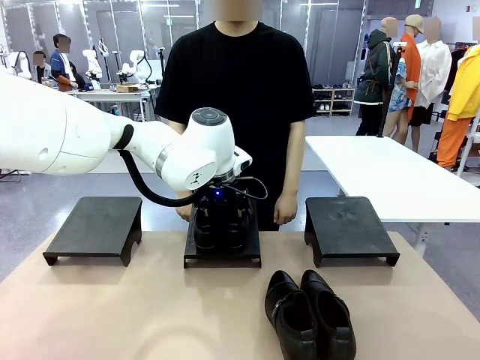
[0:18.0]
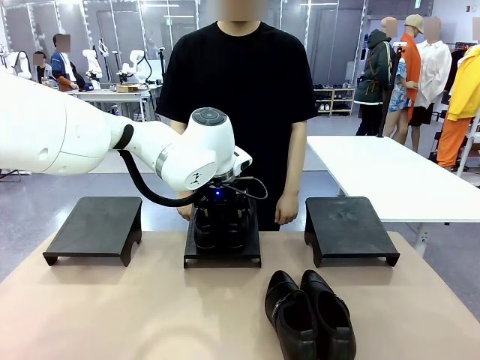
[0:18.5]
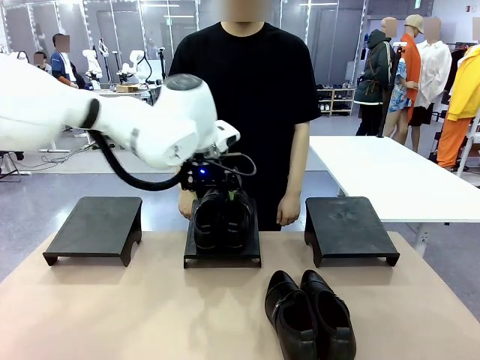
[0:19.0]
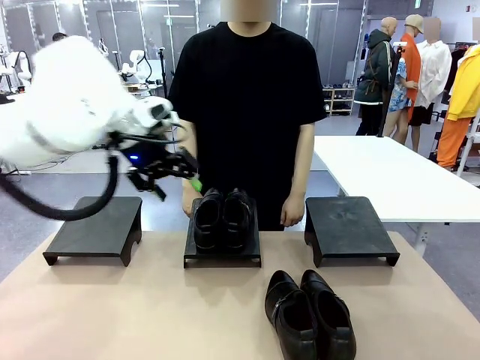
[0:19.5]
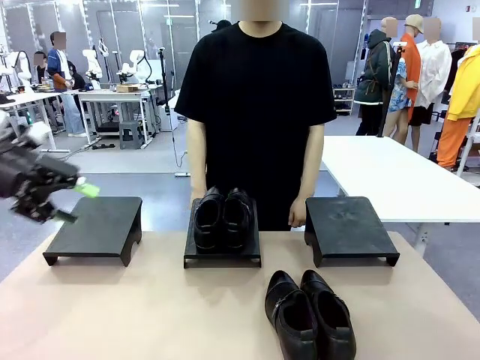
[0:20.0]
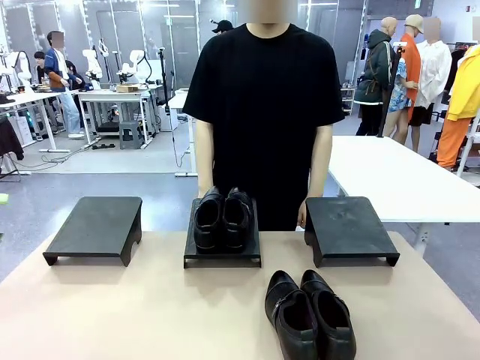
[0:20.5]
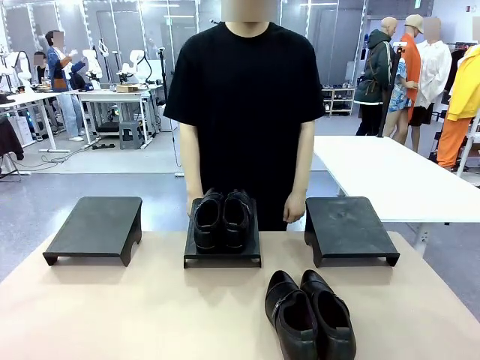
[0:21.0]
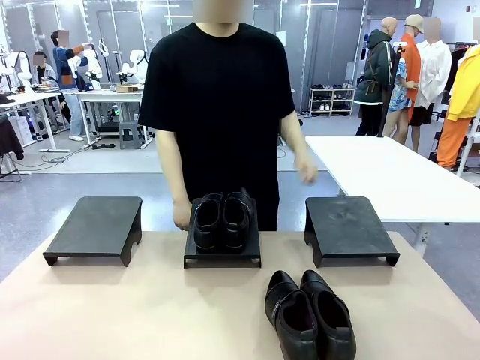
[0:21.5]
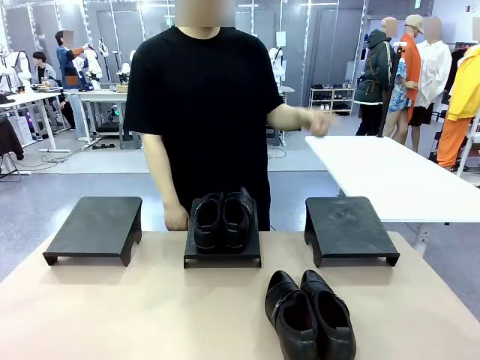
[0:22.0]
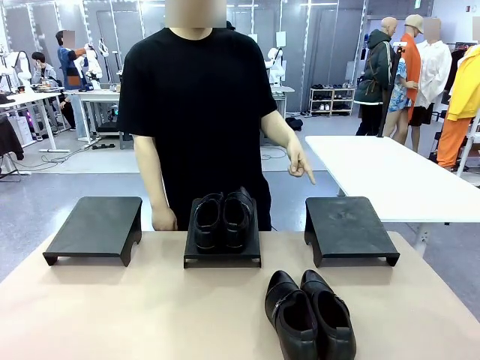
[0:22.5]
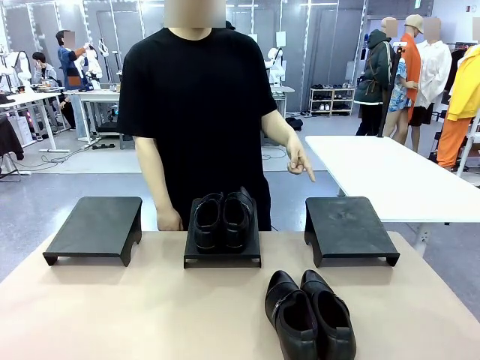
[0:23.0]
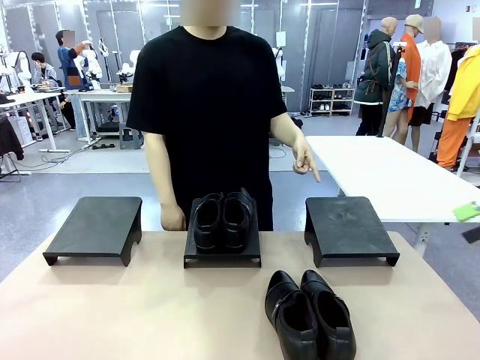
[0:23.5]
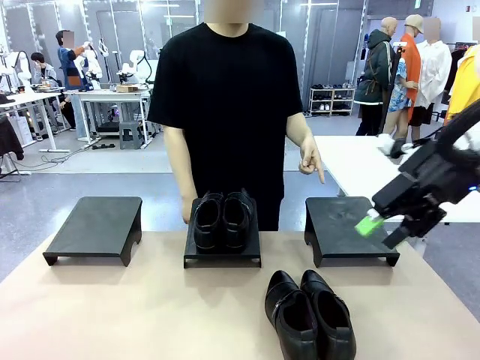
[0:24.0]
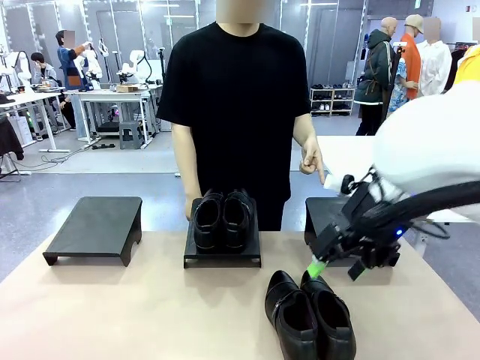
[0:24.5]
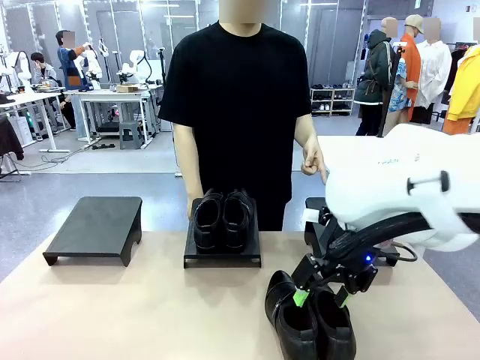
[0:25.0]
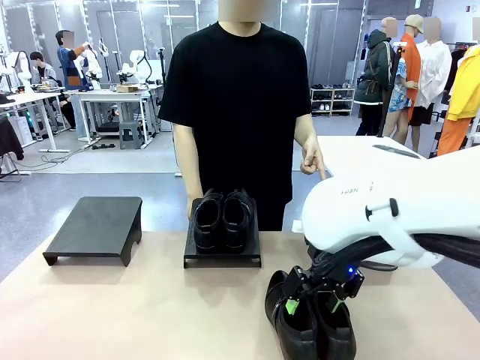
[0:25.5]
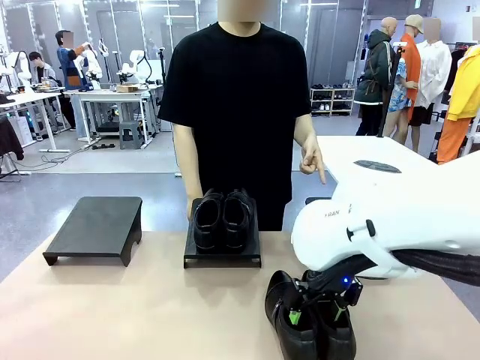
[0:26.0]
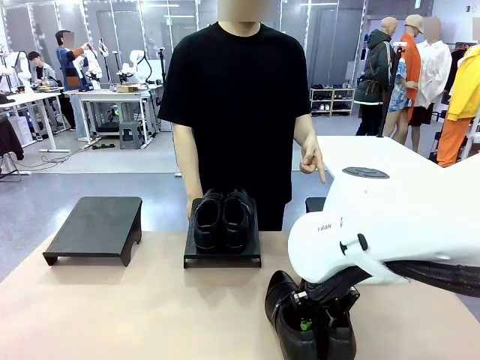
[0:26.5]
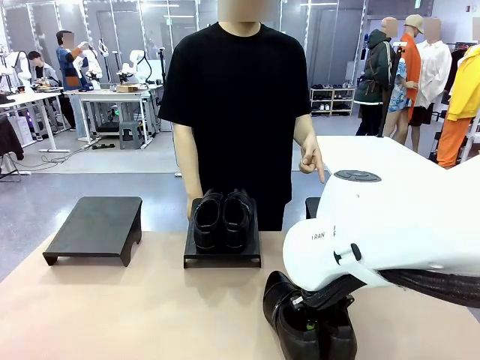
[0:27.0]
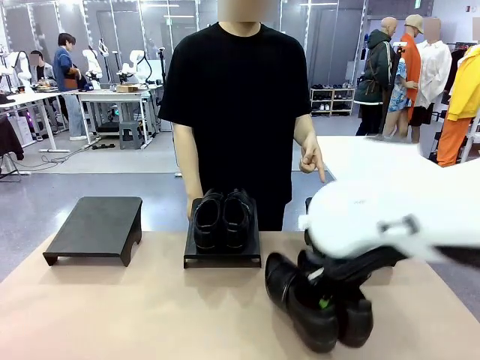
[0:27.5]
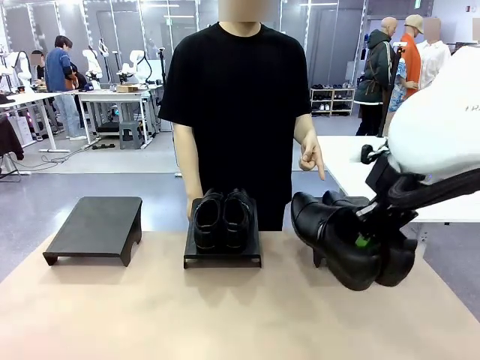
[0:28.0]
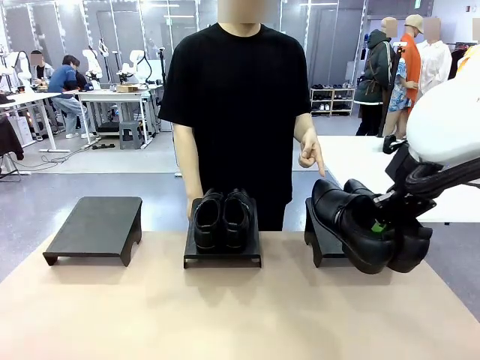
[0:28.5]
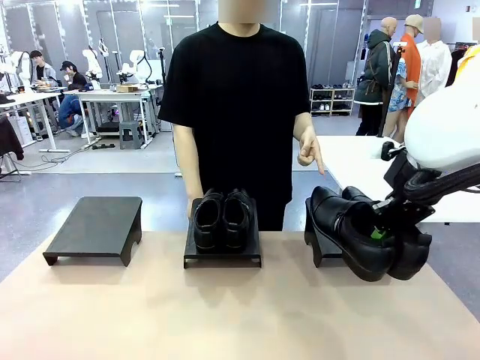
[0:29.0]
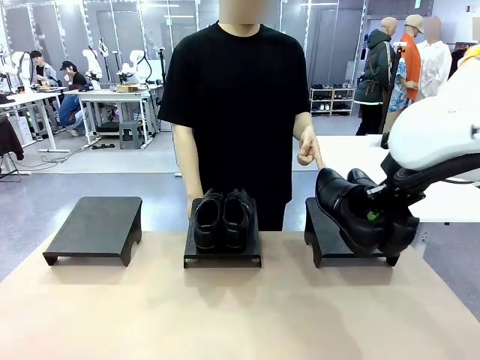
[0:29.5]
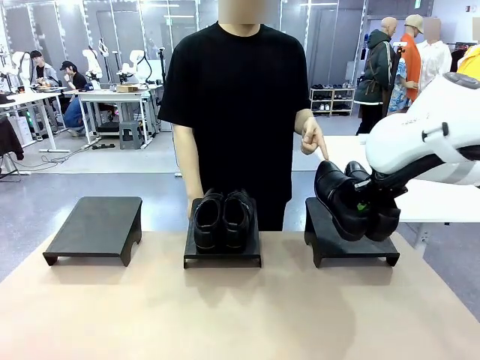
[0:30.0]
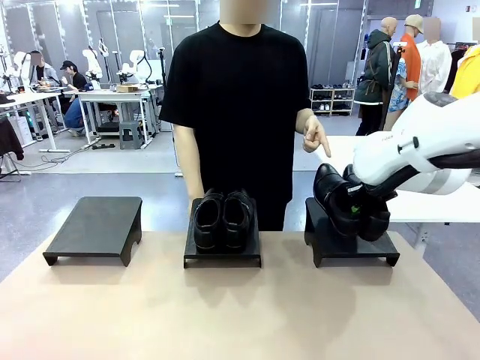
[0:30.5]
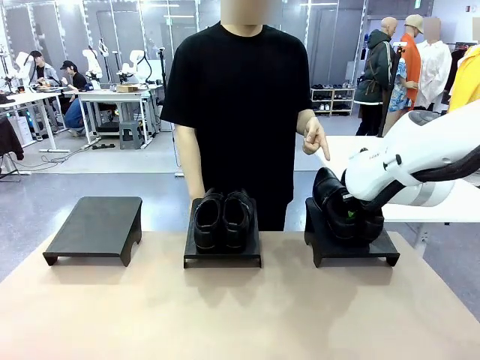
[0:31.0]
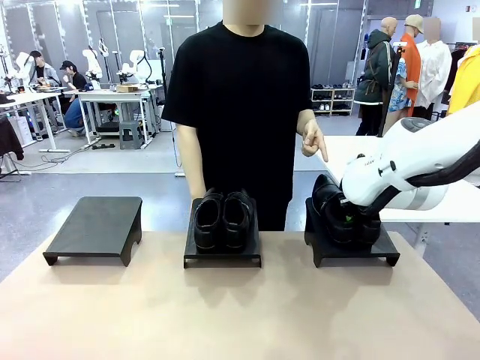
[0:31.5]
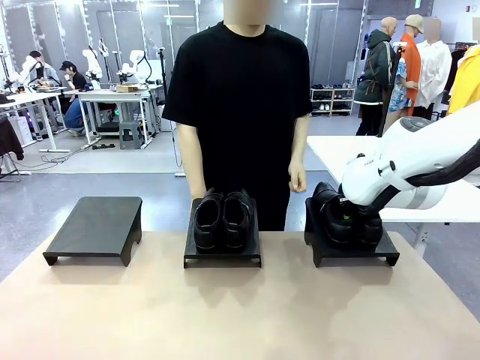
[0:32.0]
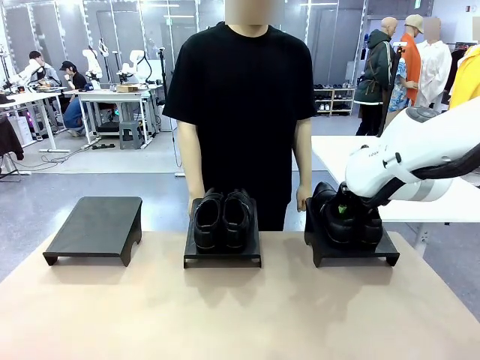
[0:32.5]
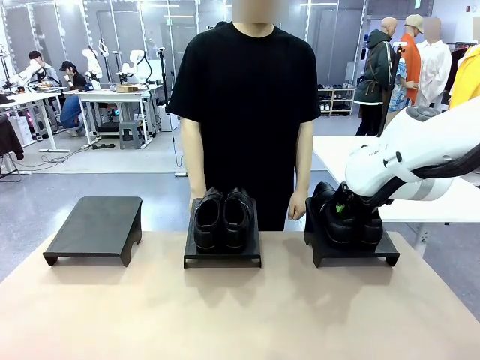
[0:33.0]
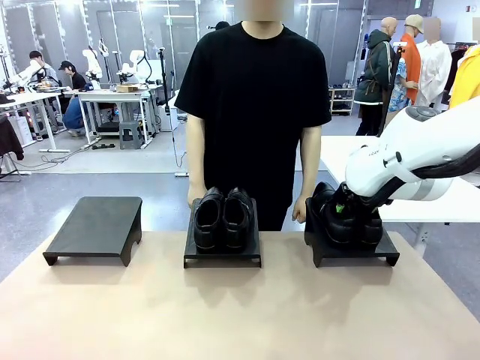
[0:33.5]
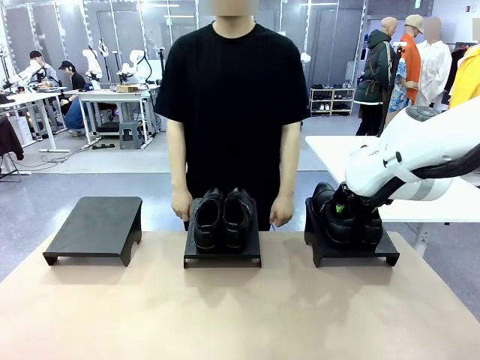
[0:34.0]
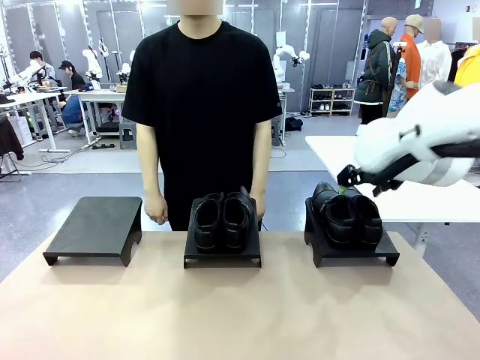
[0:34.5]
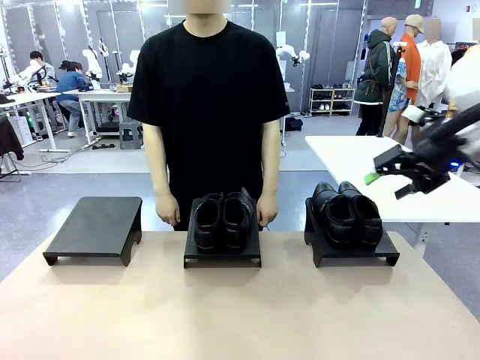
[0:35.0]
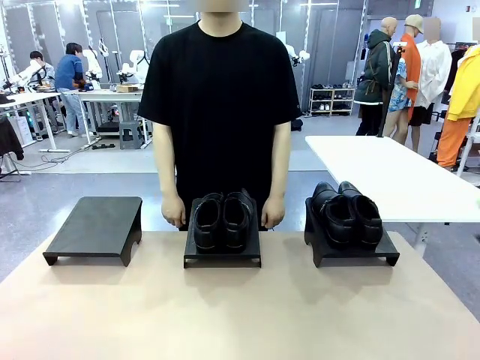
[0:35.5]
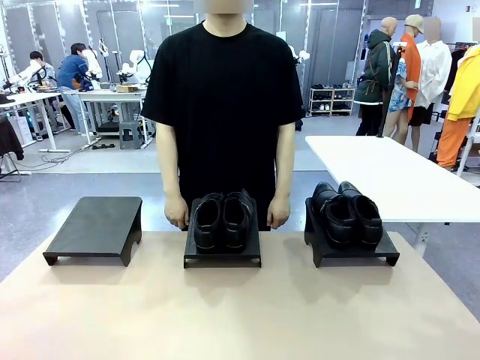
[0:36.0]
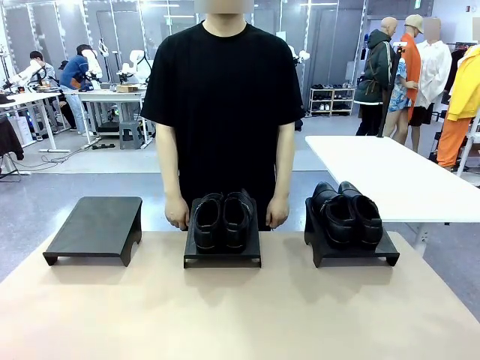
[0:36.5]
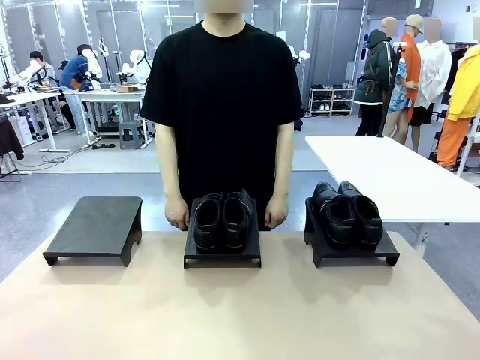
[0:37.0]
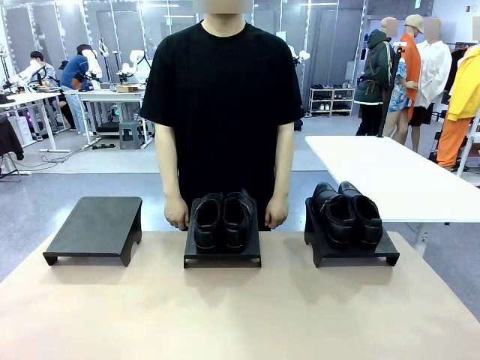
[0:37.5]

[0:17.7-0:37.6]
Task: Place the shoes on the stand as instructed by the person.
Robot: Pick up another pair of Shoes and place it on the Shoes Stand indicated by the person.
Person: Point to one Shoes Stand.

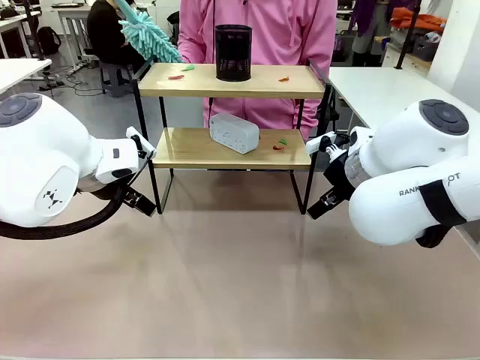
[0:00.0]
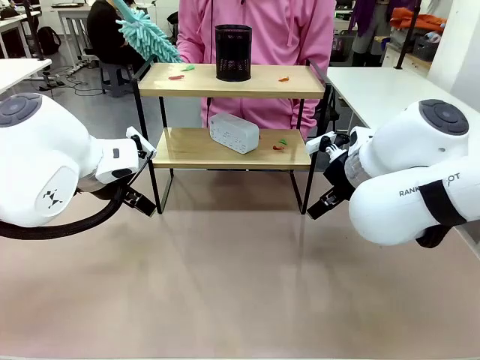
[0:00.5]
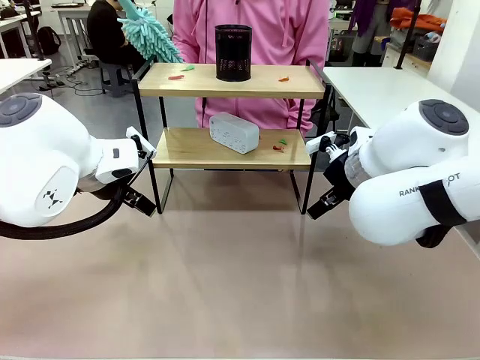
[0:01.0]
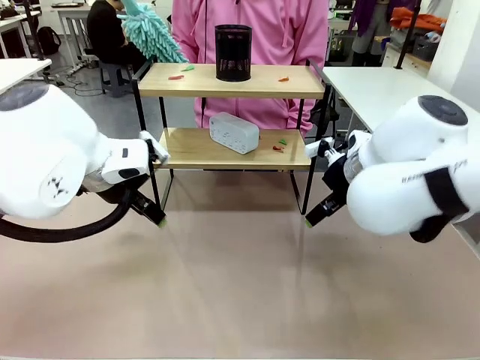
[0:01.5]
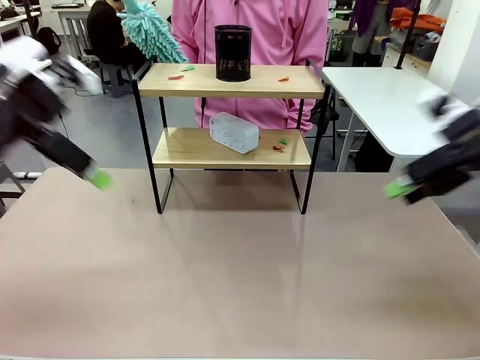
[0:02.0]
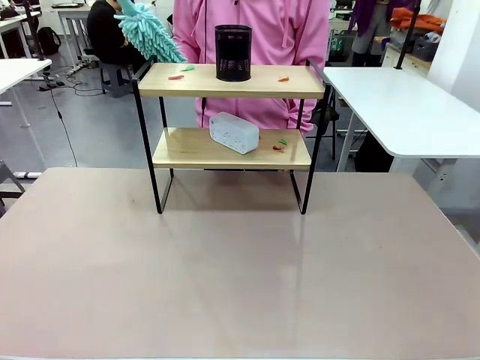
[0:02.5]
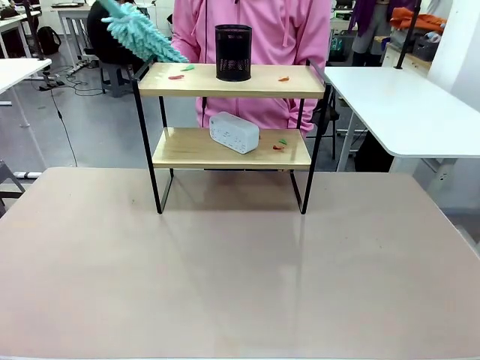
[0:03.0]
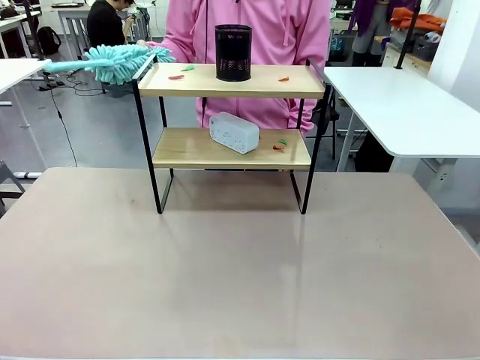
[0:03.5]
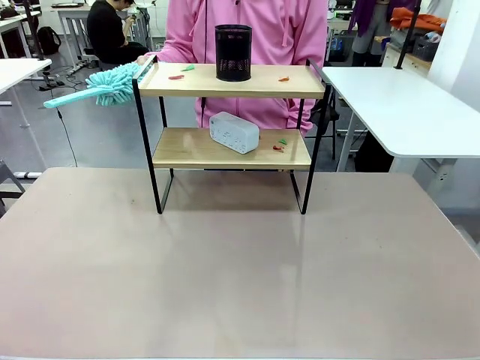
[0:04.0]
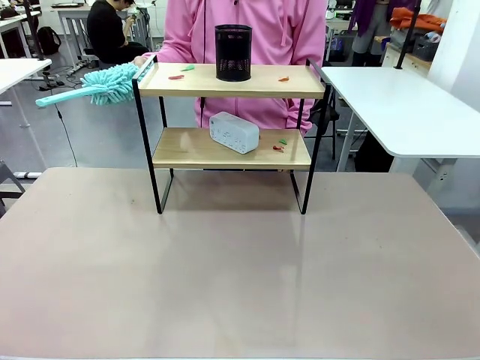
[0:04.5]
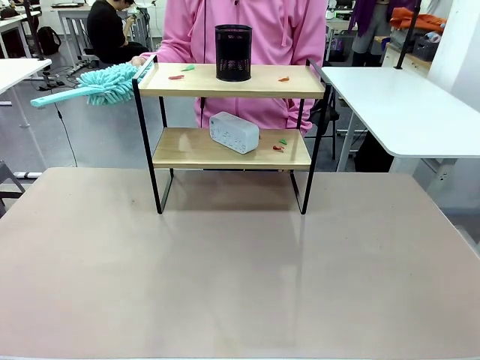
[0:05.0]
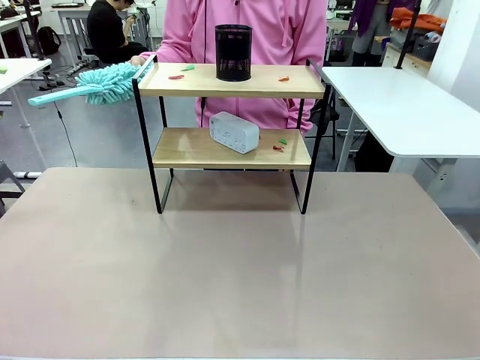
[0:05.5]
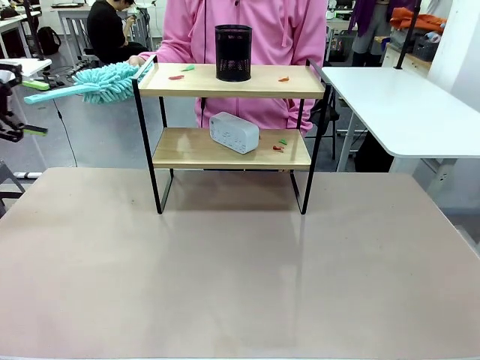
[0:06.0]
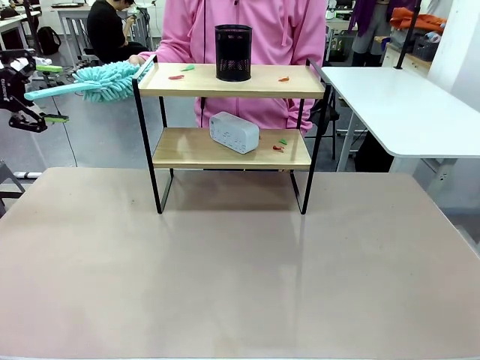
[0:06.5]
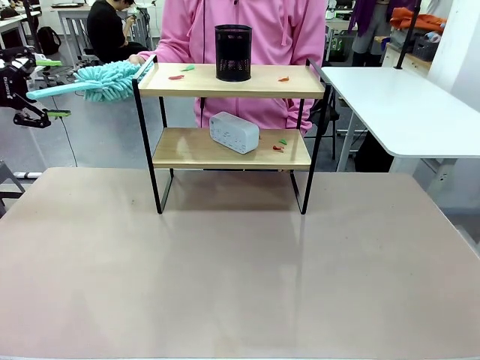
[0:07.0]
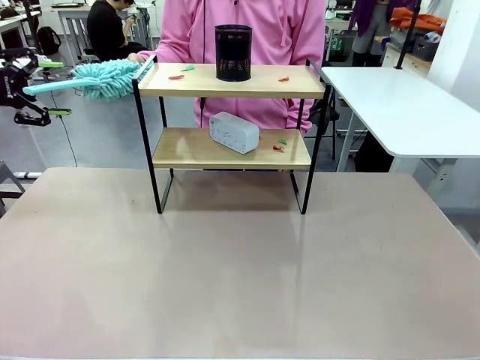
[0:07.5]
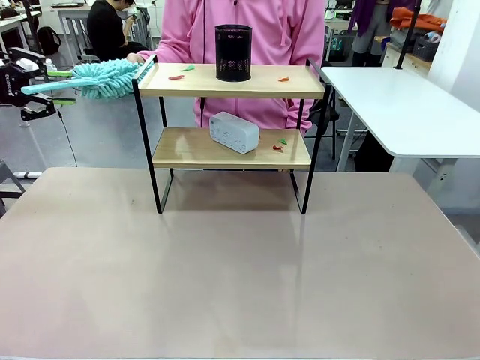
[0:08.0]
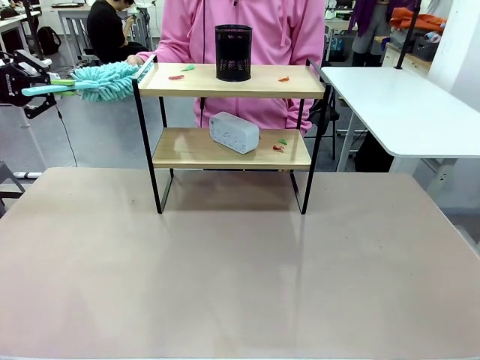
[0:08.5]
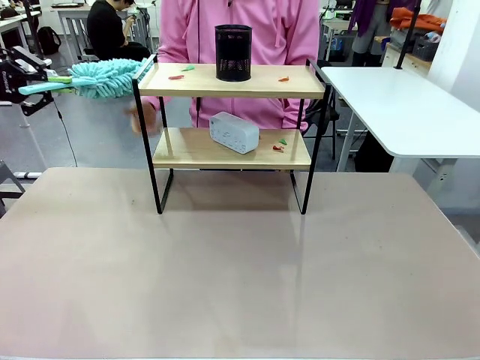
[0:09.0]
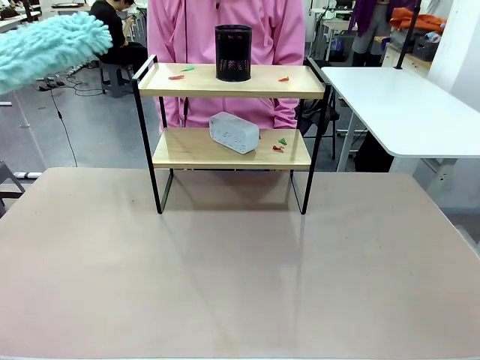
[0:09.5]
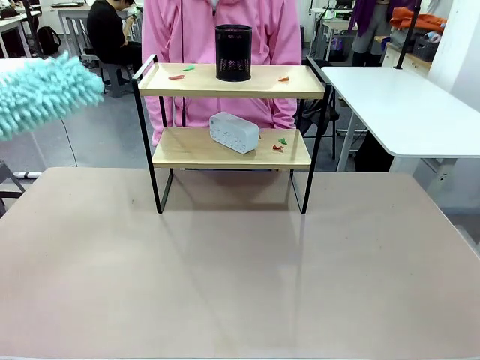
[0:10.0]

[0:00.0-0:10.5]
Task: Clean the shelf.
Robot: Pick up the Duster from the human.
Person: Hand the Duster to the robot.
